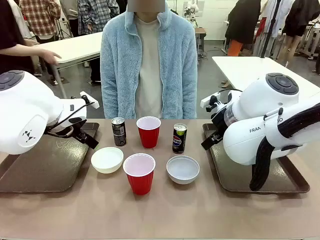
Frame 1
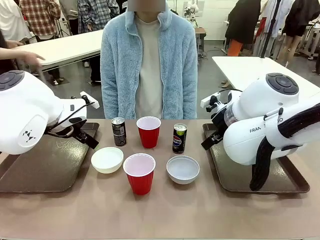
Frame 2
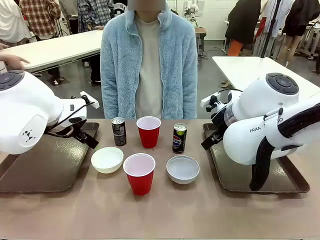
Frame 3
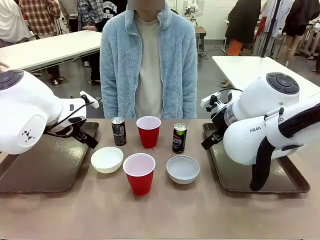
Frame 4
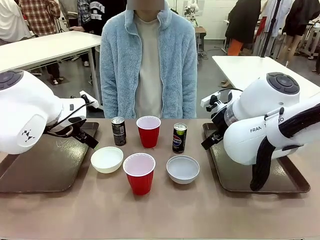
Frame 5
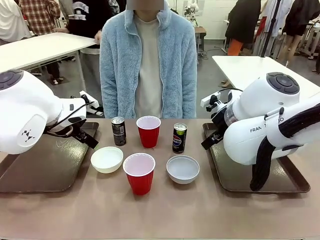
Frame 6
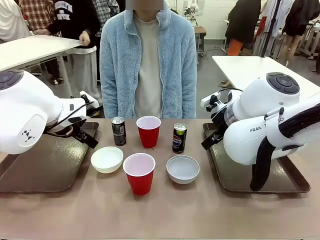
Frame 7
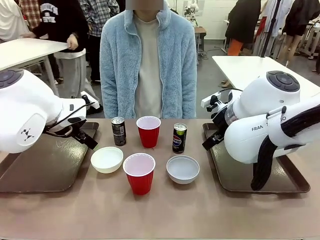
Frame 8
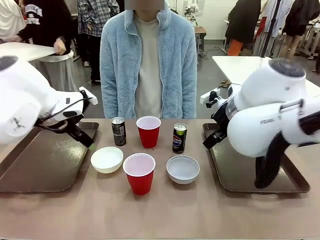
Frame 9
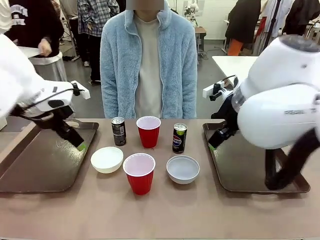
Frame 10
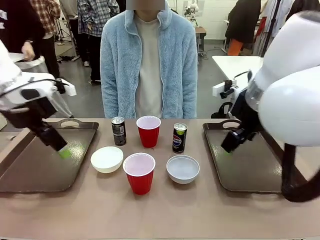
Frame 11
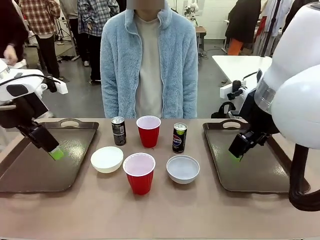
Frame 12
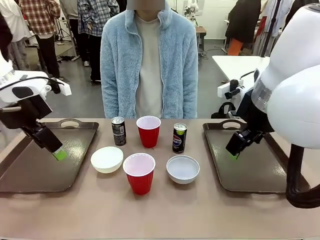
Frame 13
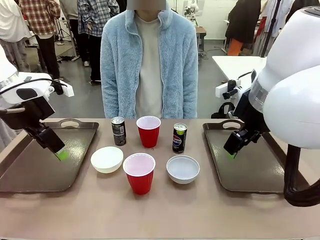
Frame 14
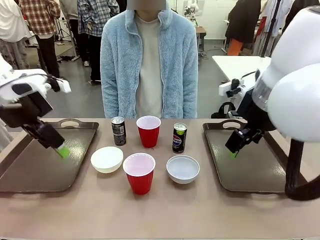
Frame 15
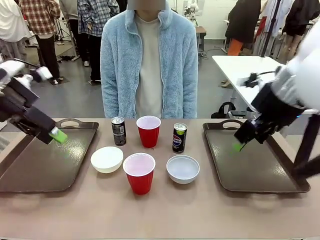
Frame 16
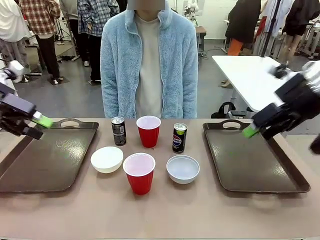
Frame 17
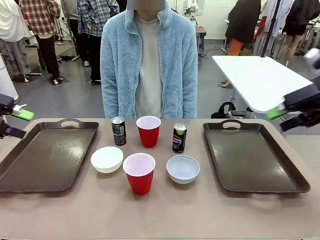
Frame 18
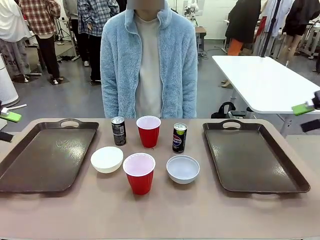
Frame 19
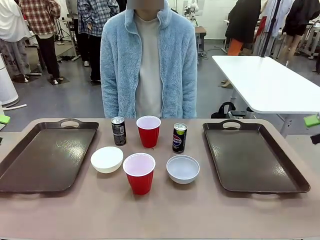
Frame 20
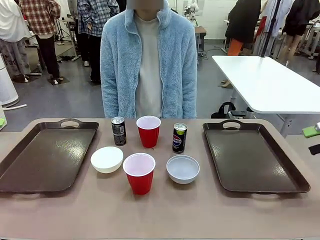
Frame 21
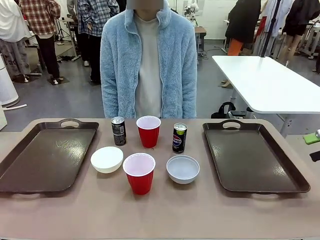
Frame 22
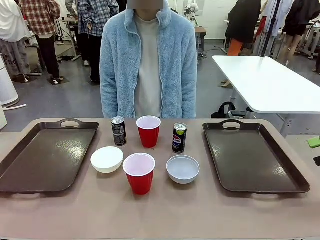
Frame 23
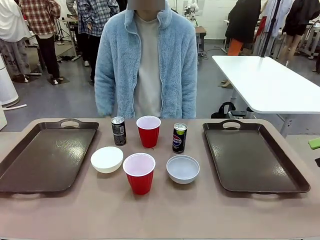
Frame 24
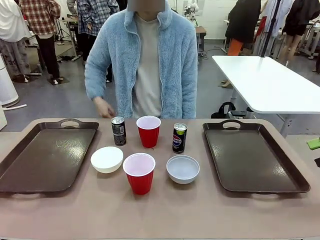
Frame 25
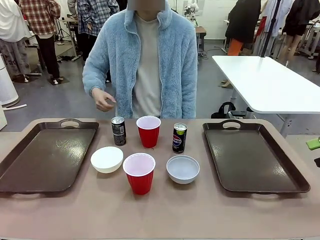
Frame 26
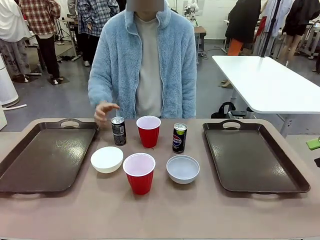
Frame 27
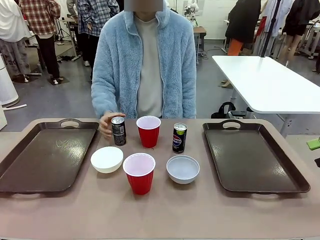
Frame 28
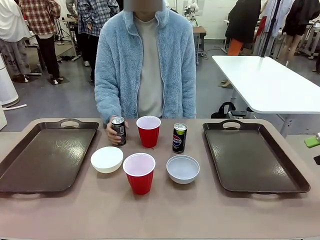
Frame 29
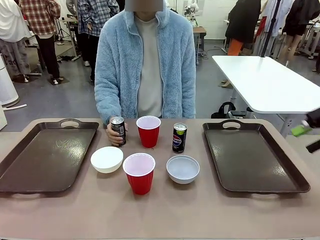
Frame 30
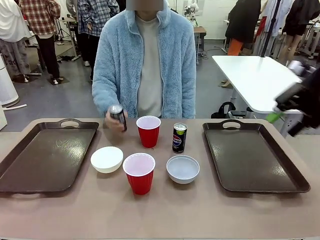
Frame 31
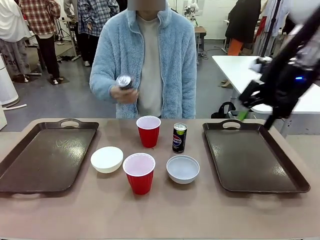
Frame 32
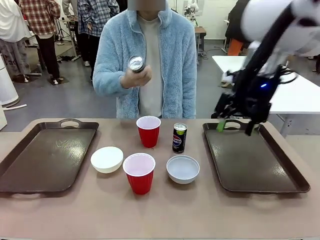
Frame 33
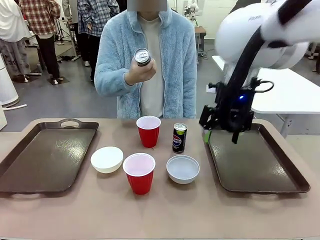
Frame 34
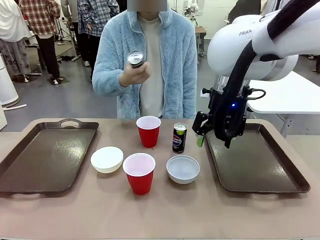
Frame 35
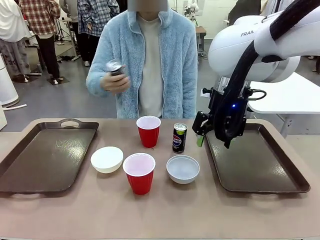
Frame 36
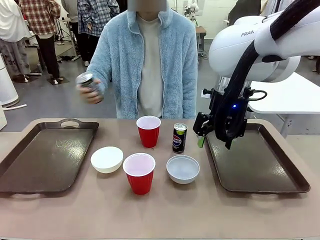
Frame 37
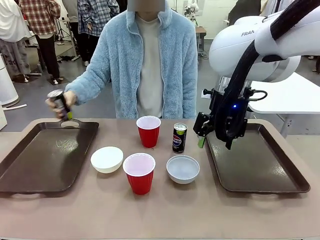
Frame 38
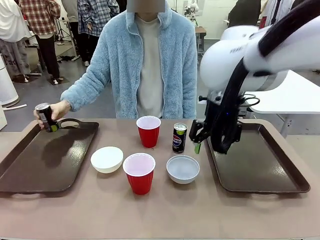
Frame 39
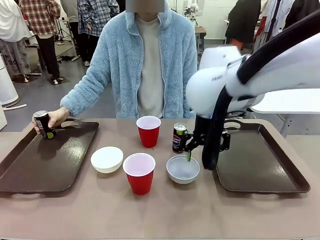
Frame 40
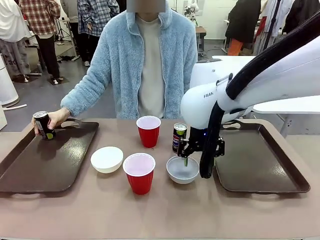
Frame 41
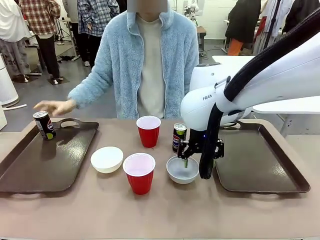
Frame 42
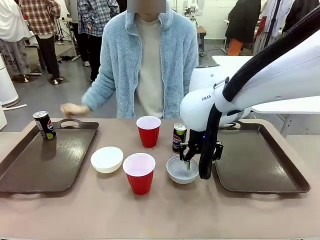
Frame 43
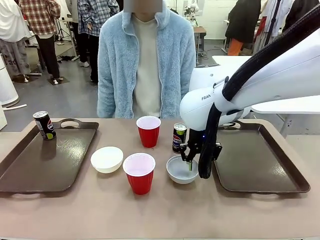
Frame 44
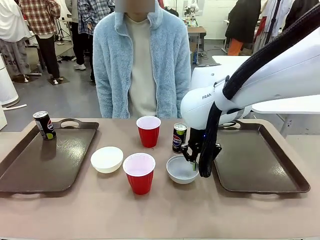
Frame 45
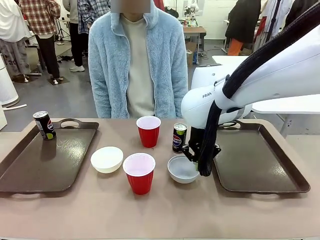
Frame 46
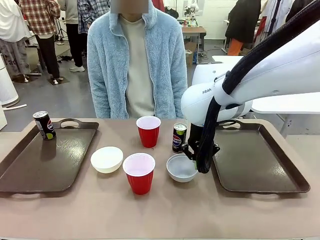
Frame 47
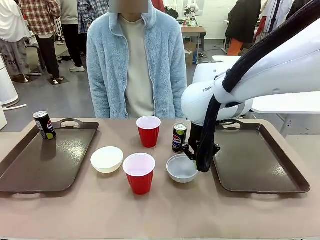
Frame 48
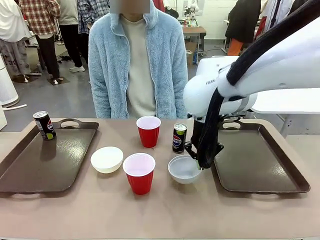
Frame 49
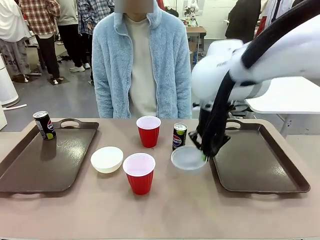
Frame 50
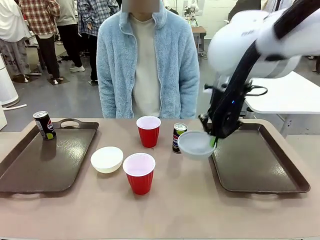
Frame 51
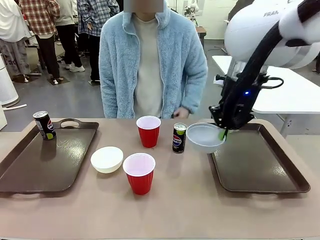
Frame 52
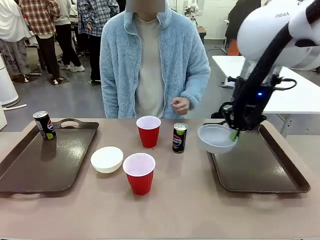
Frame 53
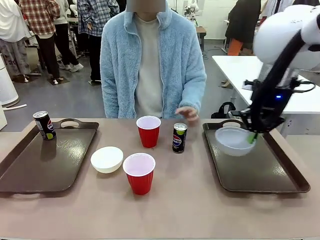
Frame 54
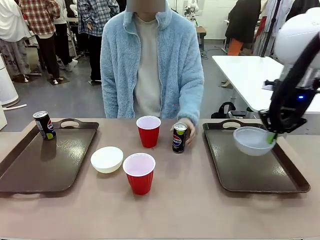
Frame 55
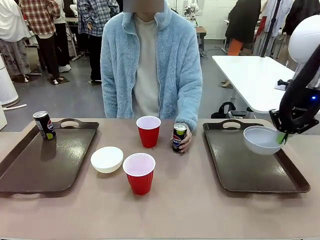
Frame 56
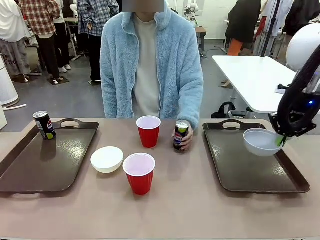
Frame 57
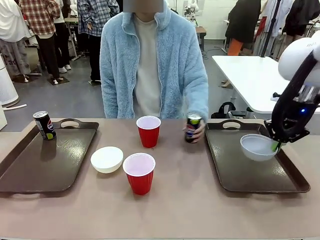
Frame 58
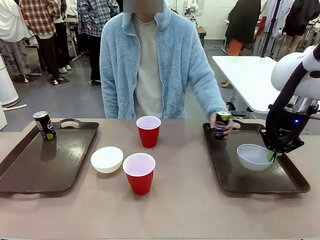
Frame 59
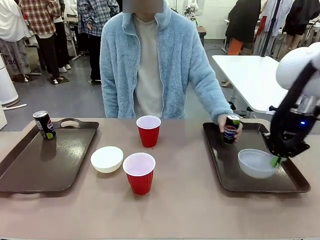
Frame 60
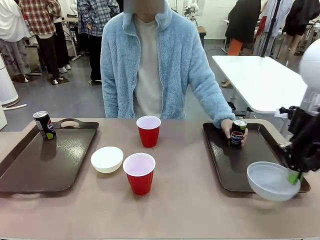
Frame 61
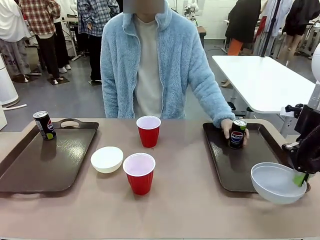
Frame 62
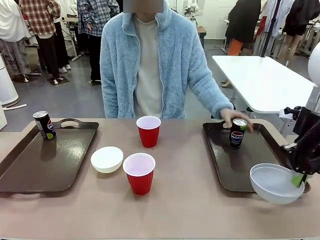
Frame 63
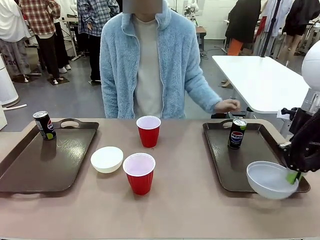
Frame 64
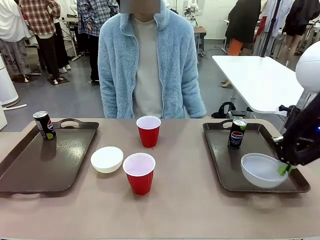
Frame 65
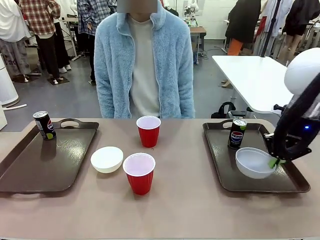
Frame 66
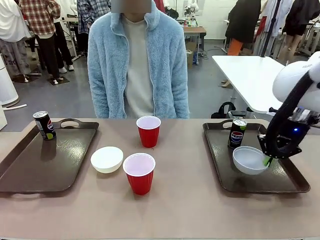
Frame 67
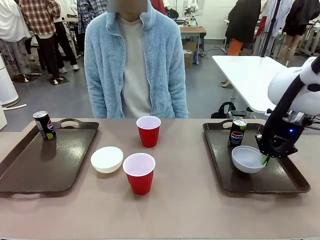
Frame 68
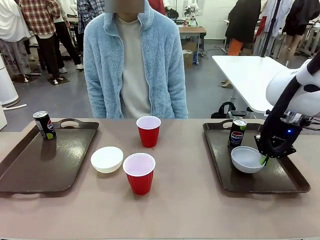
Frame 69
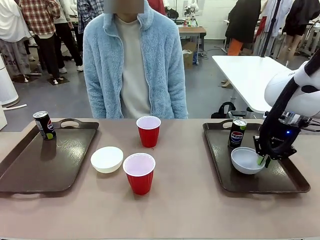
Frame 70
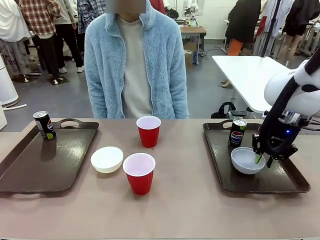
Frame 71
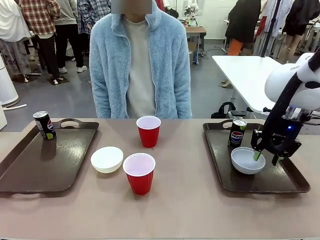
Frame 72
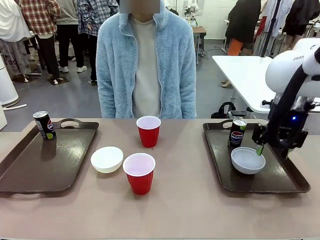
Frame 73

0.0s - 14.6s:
Task: Prepare tableware on both trays.
Robot: Pick up a Picnic Bowl from the table and place it on a Handle tray.
Person: Pick up a can or cup and place it on the tray.
